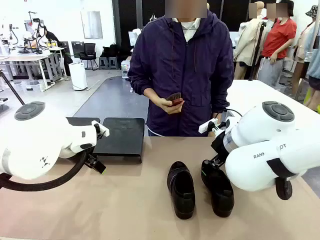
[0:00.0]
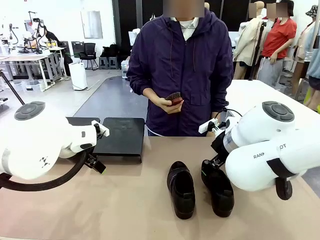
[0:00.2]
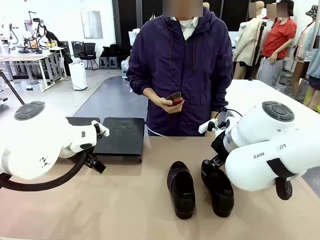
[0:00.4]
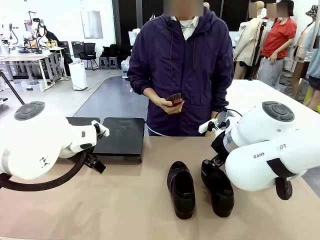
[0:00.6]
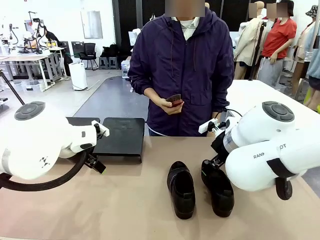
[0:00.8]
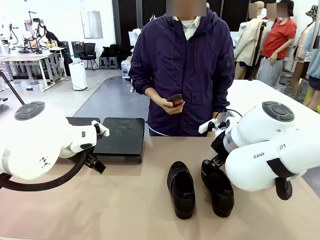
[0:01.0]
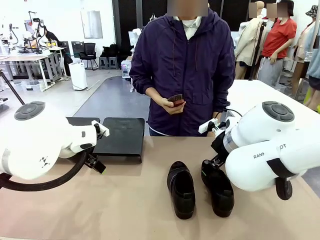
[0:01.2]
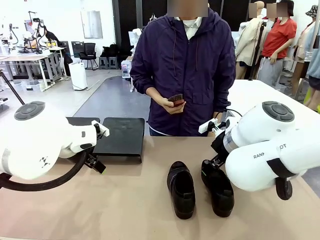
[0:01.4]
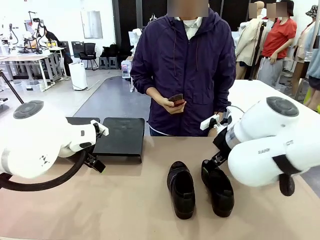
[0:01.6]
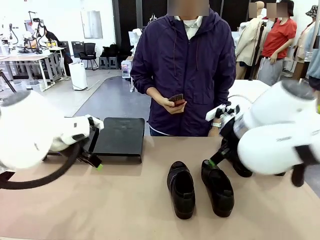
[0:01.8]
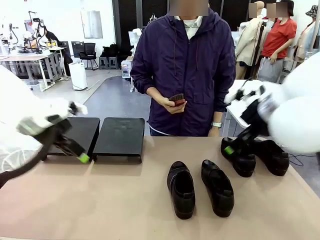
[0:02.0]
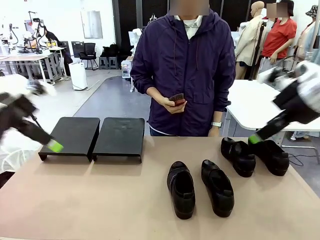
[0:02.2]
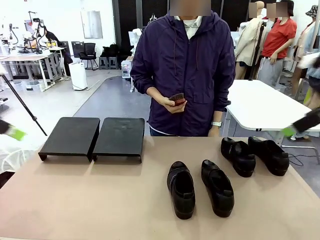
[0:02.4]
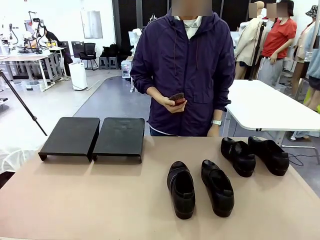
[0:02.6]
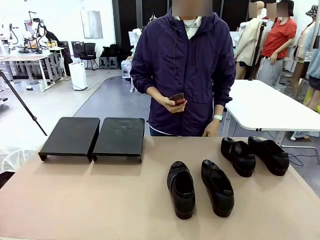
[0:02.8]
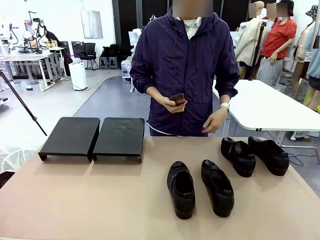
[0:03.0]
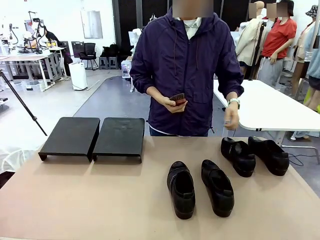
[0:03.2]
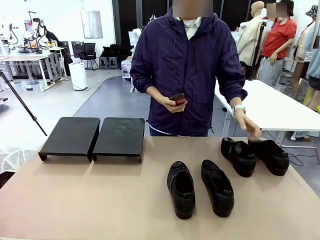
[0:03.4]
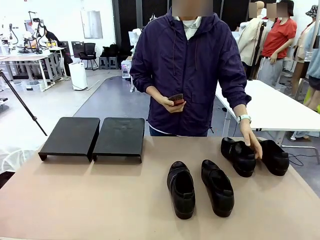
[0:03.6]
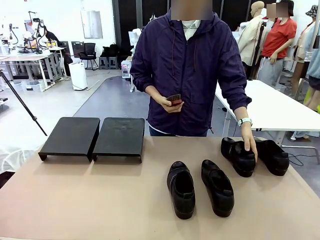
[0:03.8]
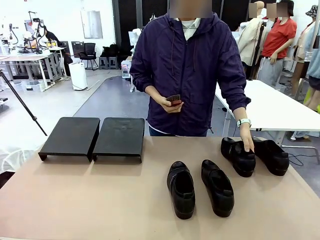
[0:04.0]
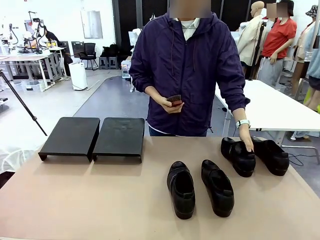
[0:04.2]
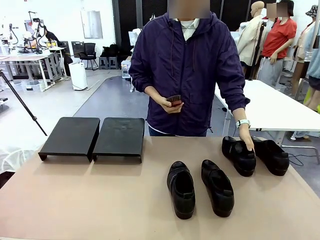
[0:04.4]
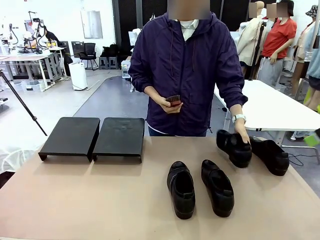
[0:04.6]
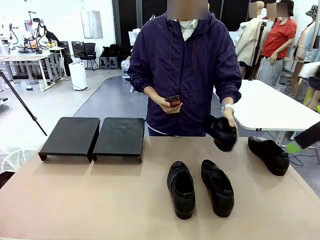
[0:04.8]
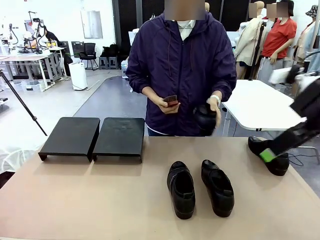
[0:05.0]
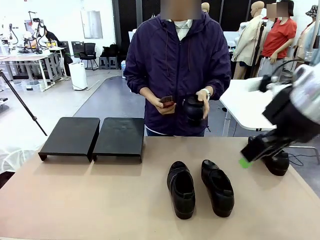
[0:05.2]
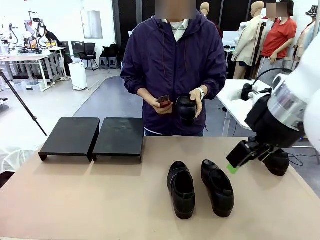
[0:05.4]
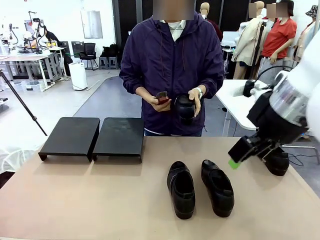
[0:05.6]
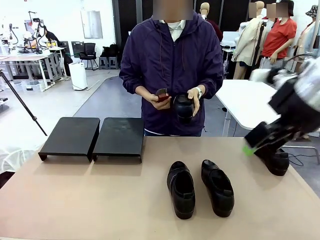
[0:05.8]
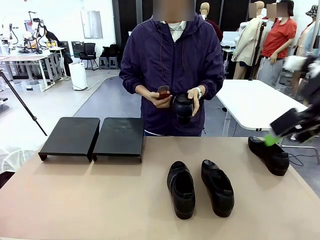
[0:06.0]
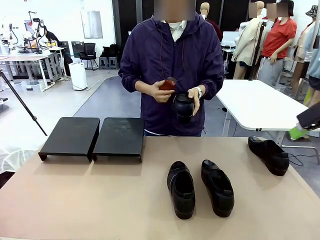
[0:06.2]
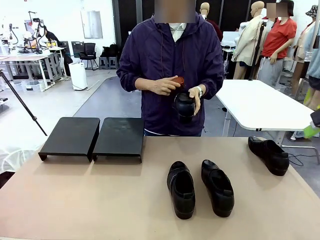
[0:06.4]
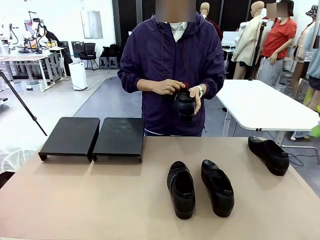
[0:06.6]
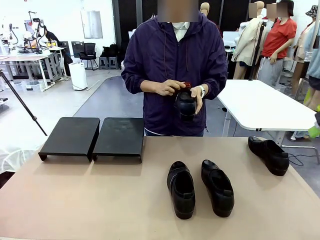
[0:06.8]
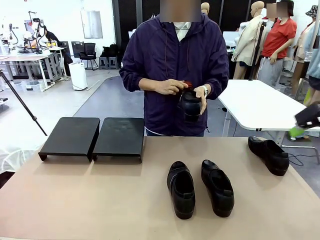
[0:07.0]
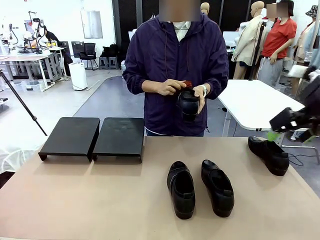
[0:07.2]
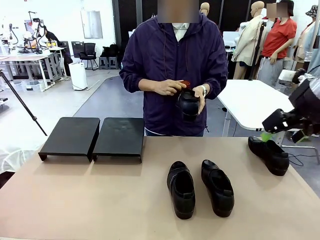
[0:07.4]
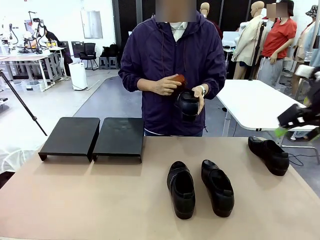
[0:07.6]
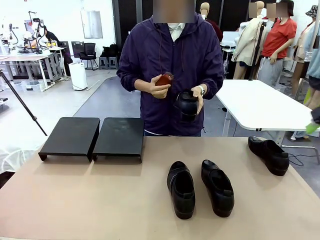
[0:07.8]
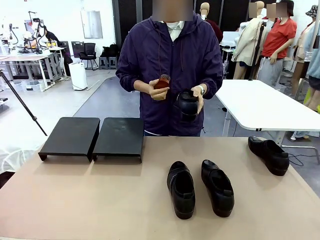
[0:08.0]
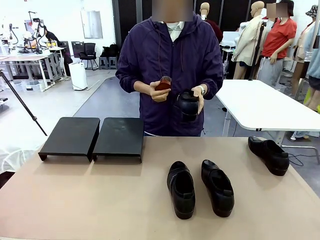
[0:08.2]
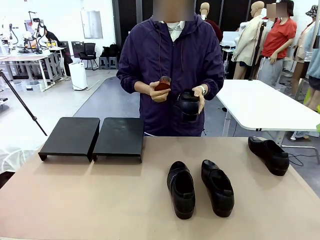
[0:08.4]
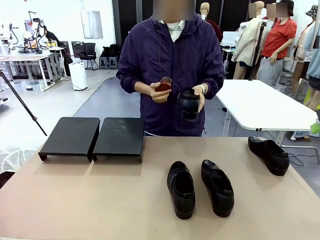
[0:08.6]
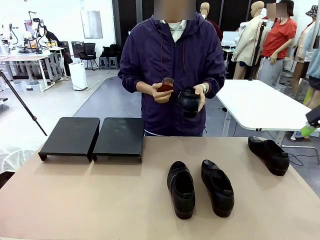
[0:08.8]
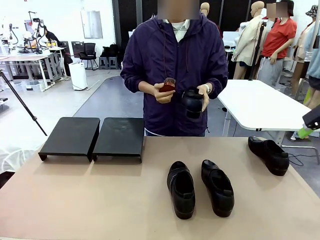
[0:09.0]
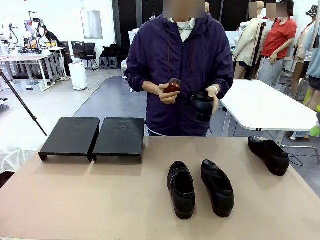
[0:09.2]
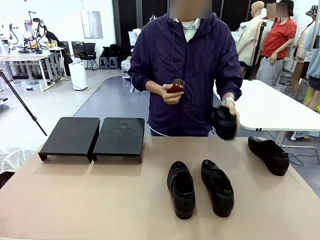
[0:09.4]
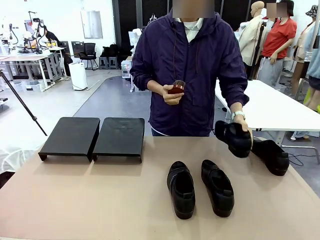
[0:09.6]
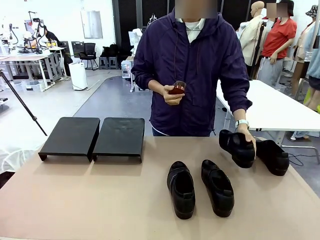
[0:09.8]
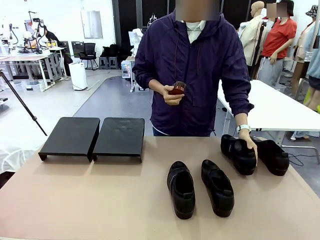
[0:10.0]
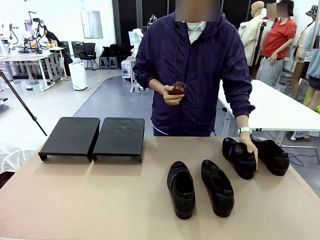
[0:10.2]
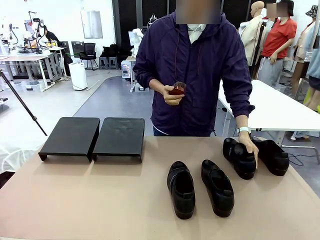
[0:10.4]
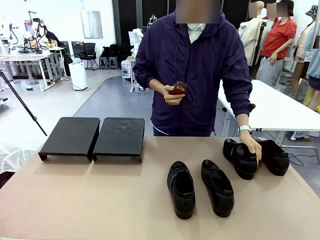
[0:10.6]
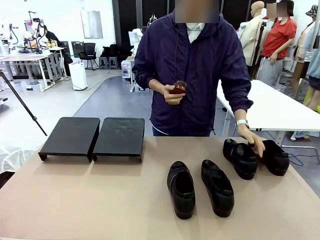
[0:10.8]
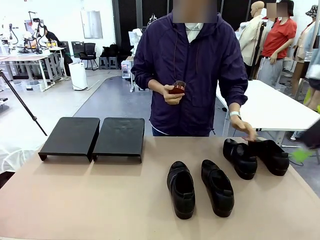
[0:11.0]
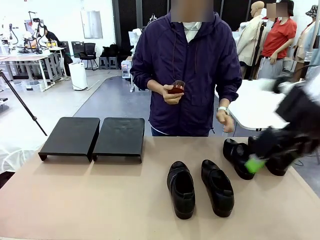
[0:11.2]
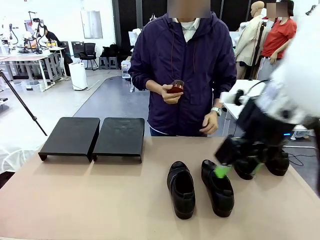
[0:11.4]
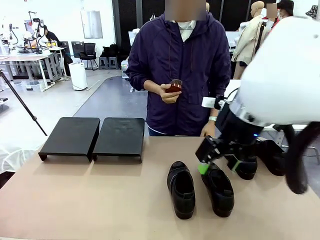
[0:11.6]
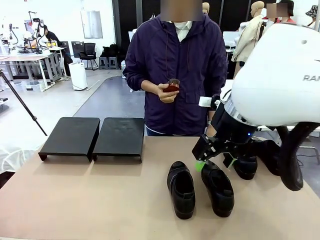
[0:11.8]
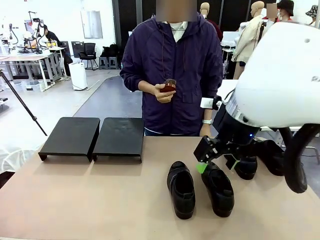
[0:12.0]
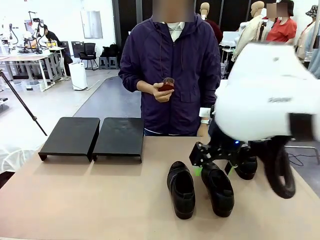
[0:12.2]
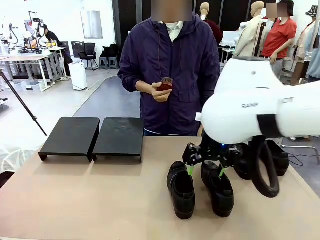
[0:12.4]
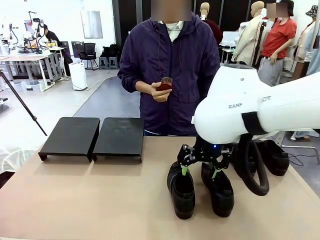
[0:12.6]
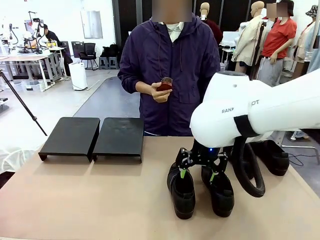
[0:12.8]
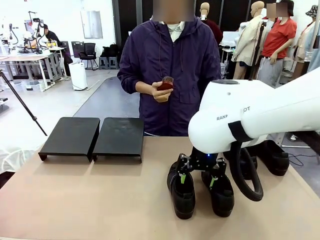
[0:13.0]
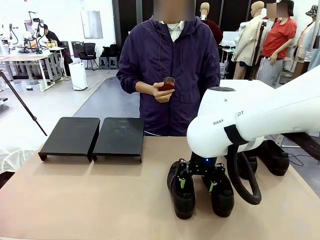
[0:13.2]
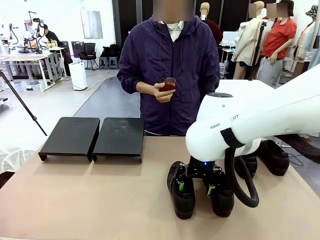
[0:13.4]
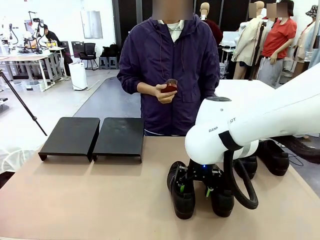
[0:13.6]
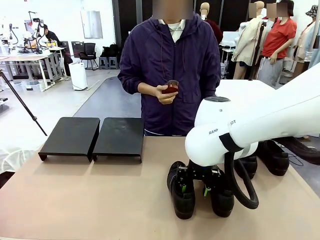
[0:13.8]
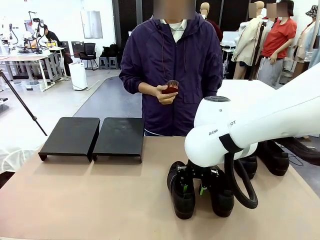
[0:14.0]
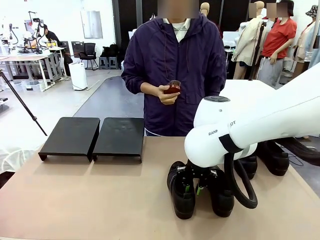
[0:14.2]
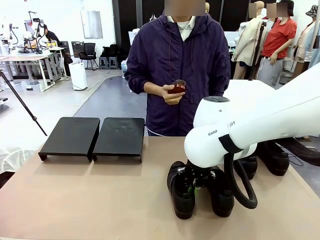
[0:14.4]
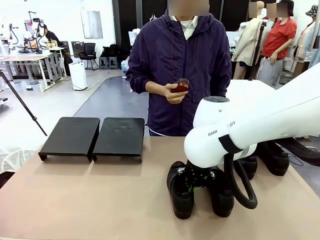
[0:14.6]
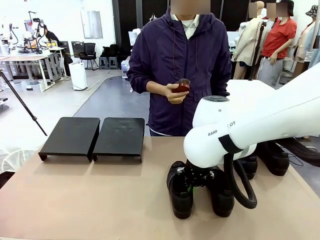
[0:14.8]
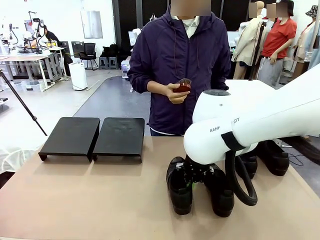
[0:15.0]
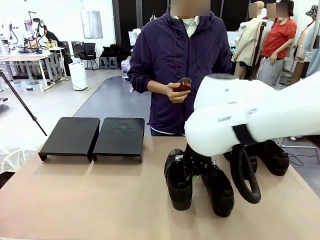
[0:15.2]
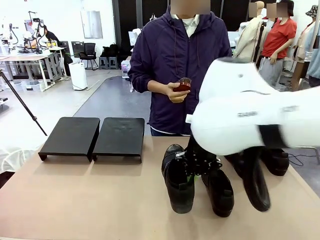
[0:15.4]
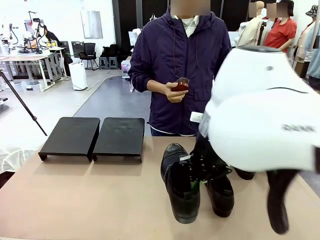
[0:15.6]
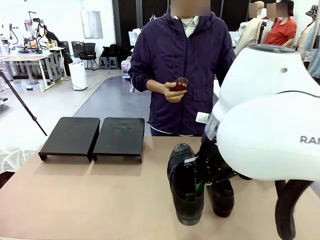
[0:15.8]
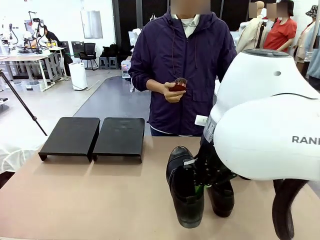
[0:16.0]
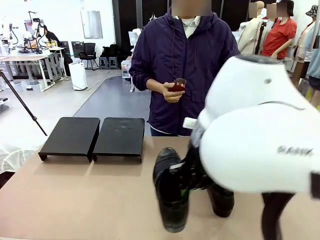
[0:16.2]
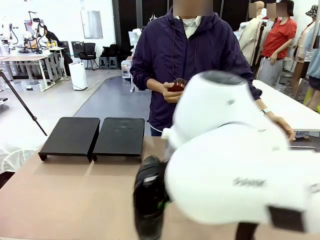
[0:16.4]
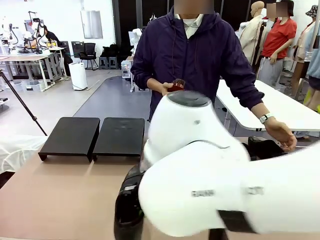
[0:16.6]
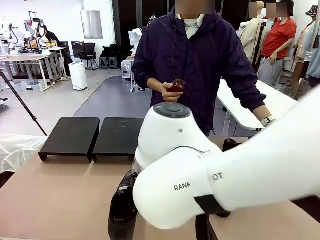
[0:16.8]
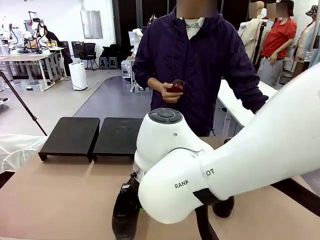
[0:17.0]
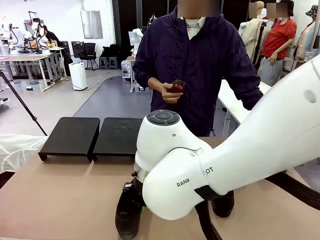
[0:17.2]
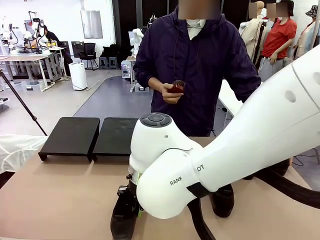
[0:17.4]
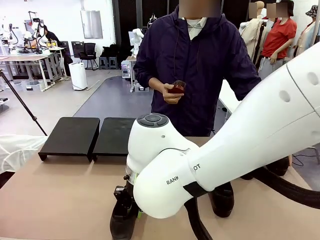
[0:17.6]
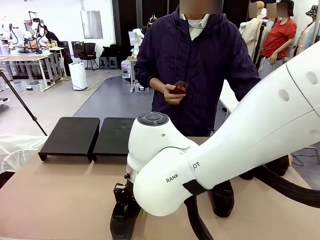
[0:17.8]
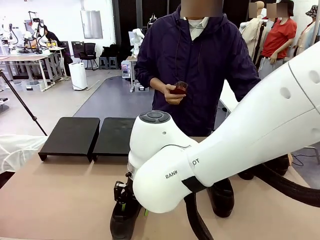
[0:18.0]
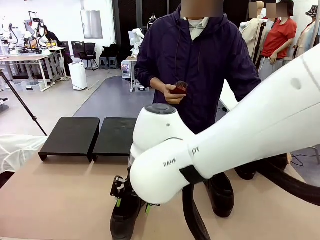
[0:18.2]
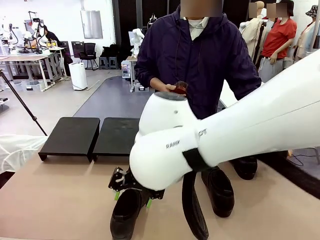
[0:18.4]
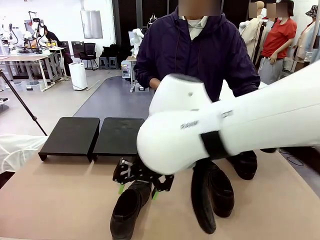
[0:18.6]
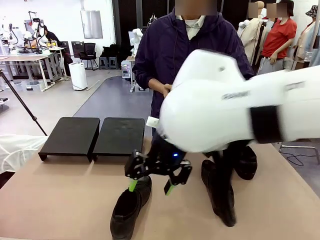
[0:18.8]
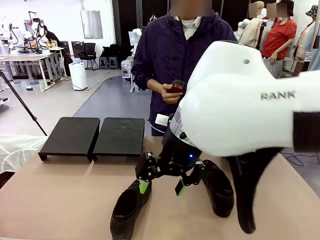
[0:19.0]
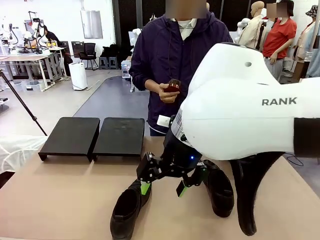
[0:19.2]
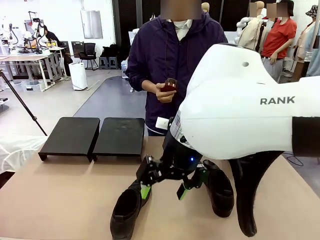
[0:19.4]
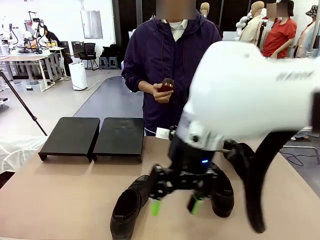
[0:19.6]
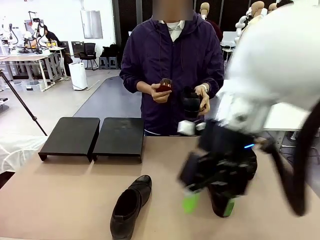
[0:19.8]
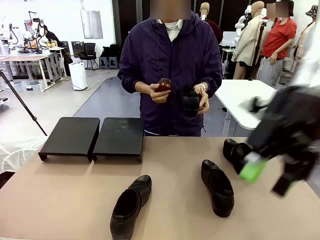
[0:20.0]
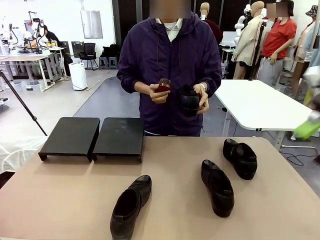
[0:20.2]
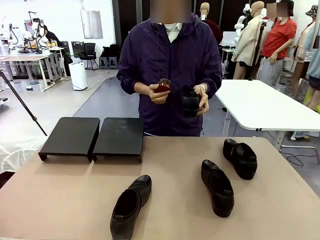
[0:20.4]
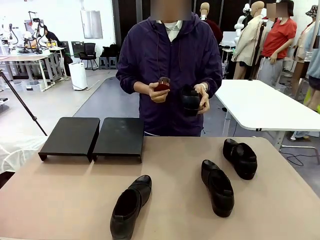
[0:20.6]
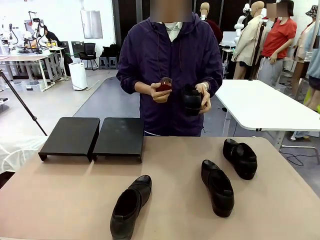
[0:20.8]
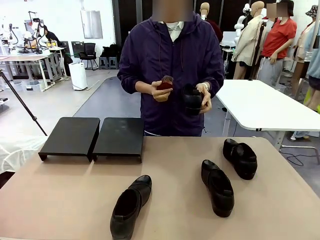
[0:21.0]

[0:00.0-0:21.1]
Task: Organize the shoes by placing them on the stand.
Robot: Pick up one Shoe and place it in the middle of the table.
Person: Pick one Shoe on Robot's table. Clean the Shoe with the Shoe Brush. Place the Shoe on left side of the Robot's table. Pick one Shoe on Robot's table.
